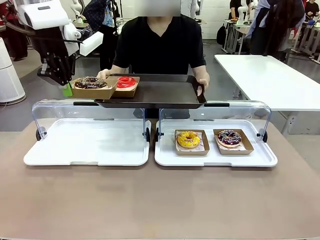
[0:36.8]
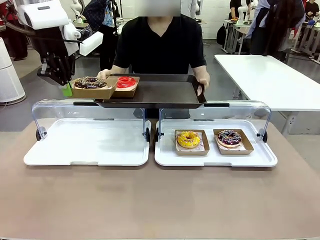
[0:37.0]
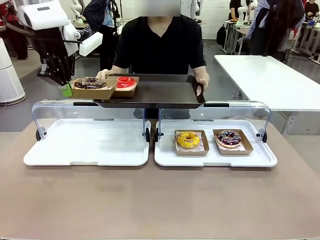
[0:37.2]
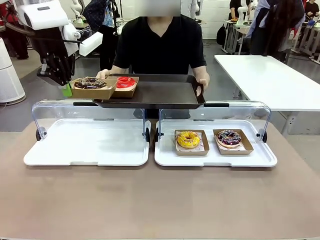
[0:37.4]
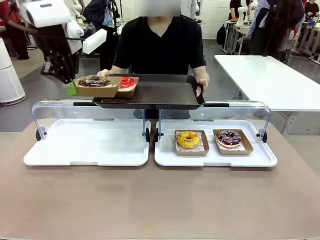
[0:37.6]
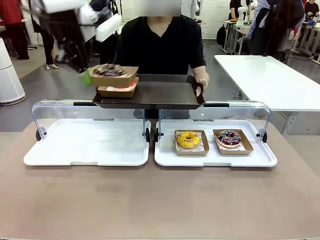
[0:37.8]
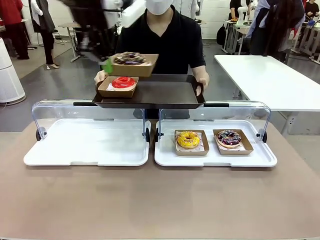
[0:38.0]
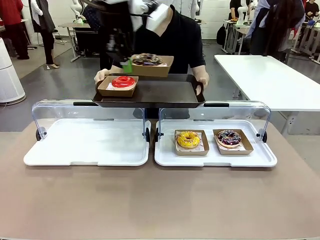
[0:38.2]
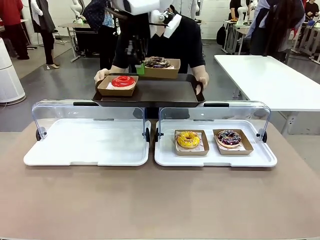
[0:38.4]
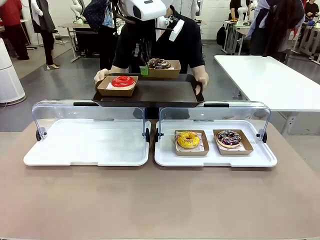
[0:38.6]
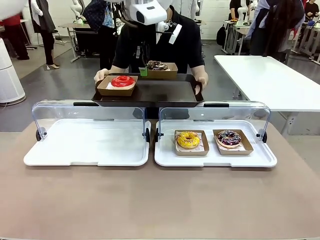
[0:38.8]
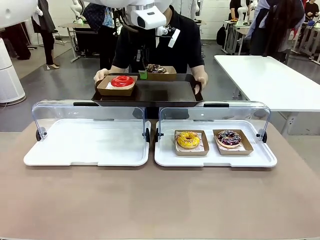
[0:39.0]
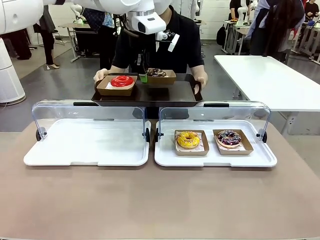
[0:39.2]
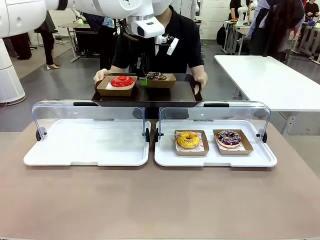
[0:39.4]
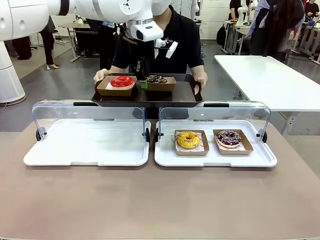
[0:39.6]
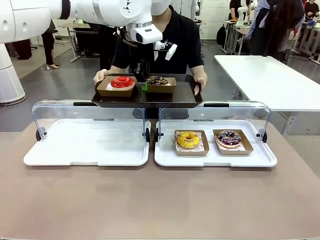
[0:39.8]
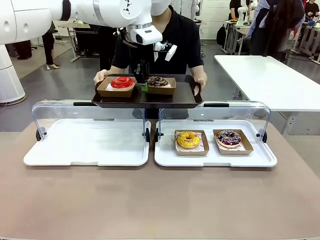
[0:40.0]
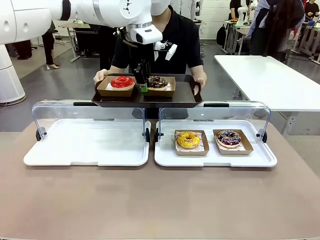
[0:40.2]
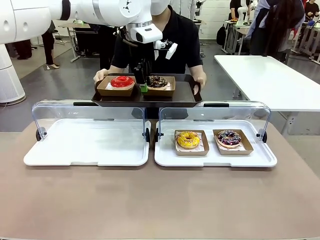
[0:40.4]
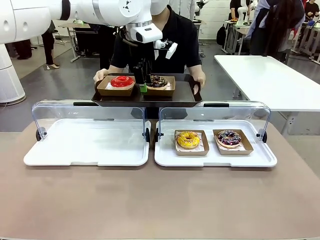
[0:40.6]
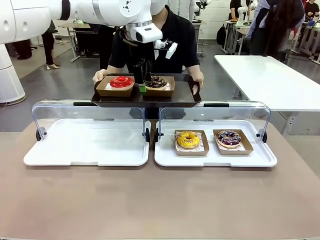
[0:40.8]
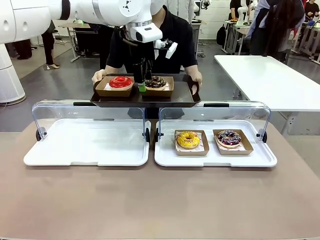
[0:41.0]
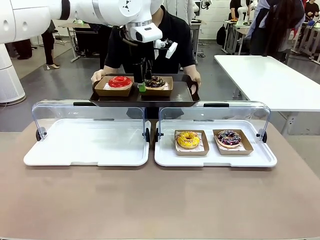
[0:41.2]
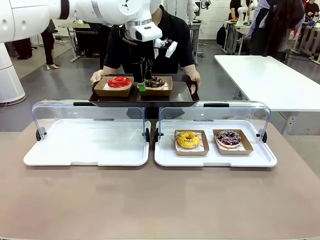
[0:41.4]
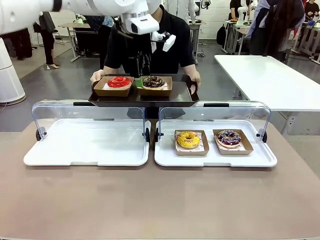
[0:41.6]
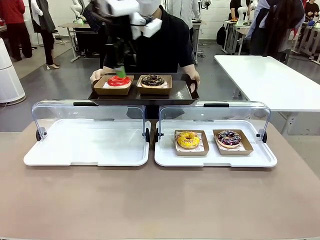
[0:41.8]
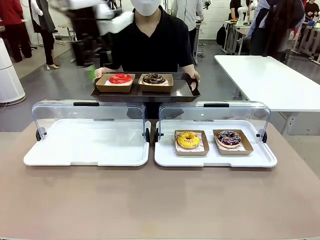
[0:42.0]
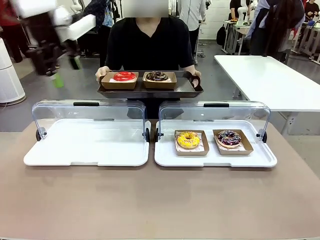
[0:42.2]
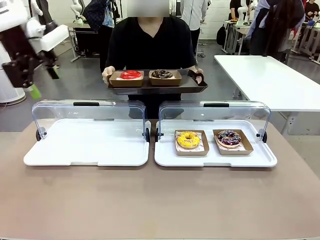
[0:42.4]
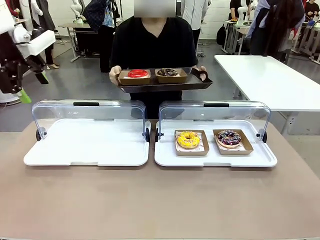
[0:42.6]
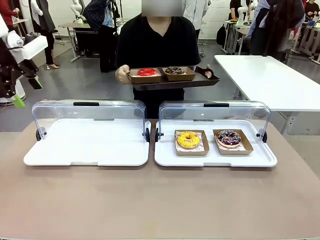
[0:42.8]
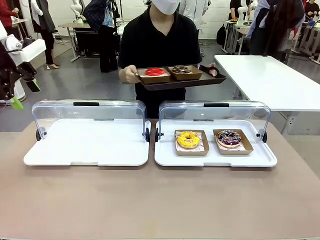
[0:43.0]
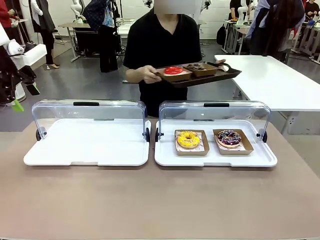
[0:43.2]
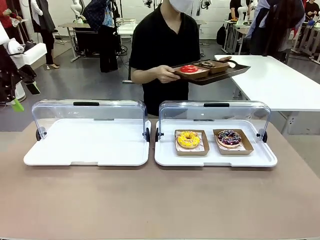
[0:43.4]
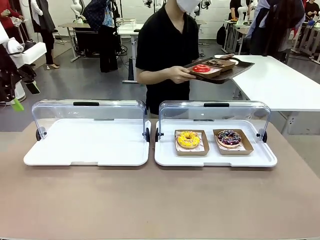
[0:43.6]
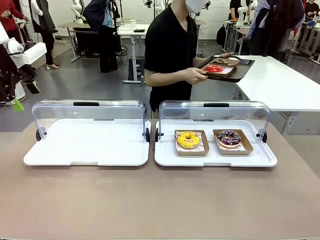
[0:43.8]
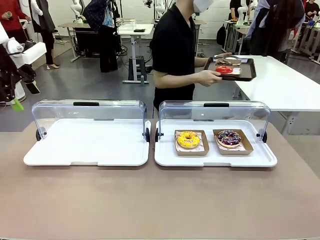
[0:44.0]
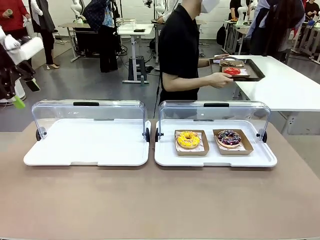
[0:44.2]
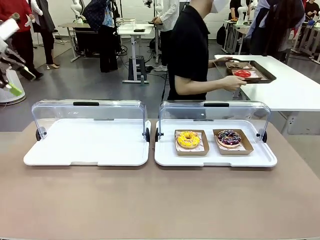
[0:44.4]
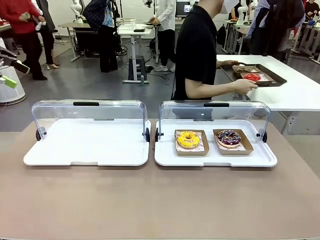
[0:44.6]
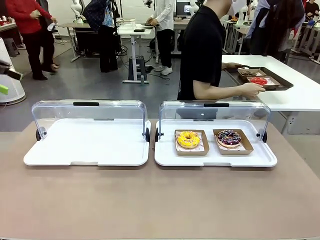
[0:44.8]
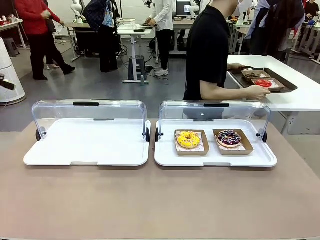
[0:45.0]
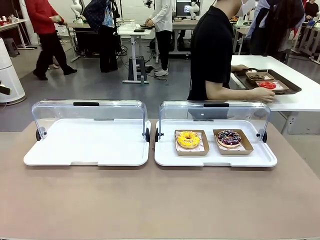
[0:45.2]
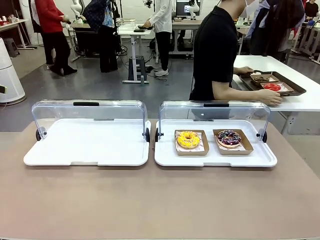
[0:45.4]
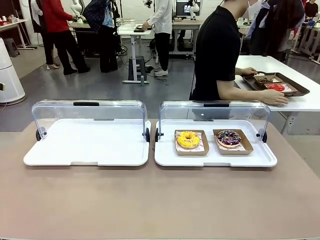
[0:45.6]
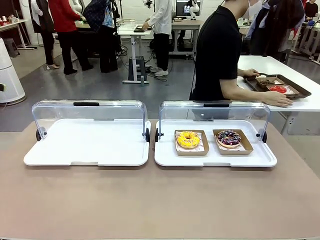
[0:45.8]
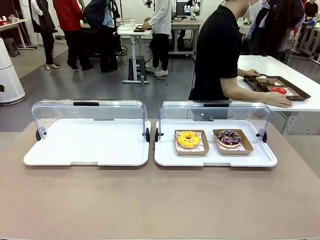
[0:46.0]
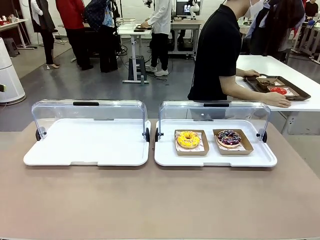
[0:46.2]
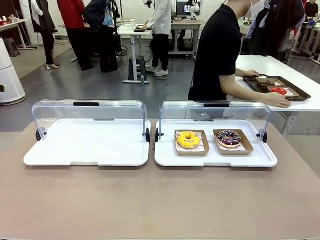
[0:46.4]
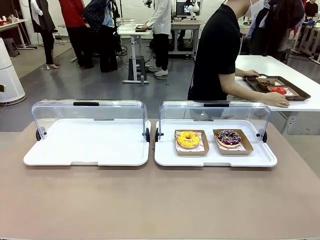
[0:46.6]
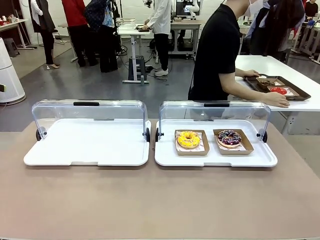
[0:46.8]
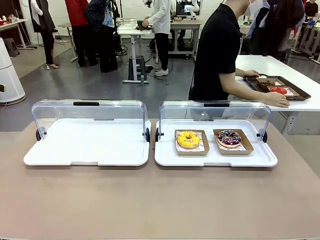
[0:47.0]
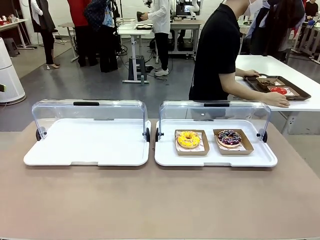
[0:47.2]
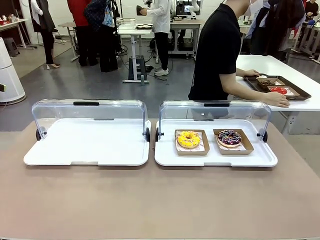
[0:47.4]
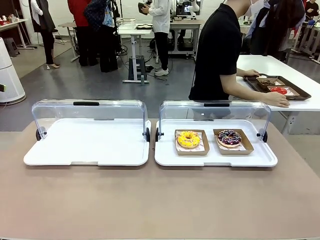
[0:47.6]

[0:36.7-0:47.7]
Task: Provide the desired donut to the person.
Robot: Place the picked Paper togo box onto the Handle tray extended by the person.
Person: Place the tray in the middle of the human table.

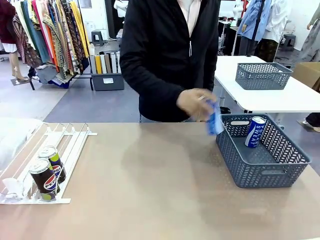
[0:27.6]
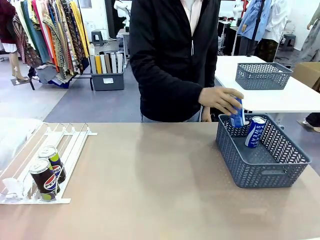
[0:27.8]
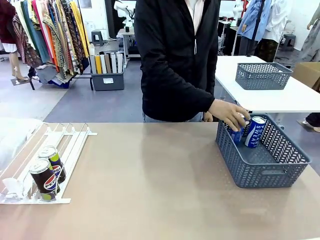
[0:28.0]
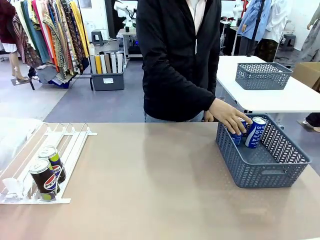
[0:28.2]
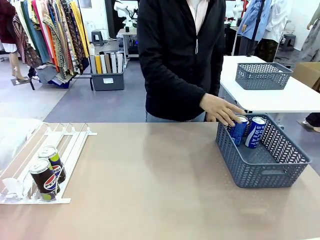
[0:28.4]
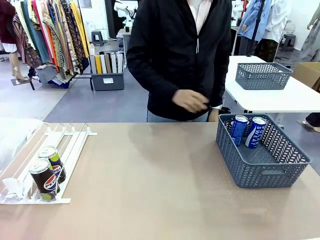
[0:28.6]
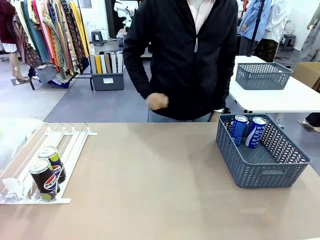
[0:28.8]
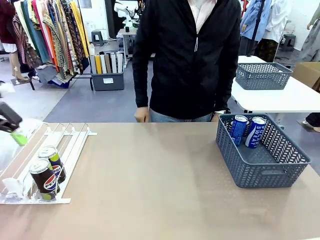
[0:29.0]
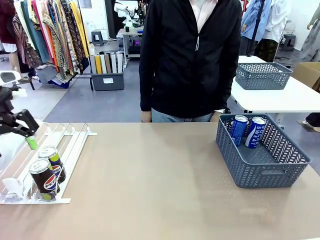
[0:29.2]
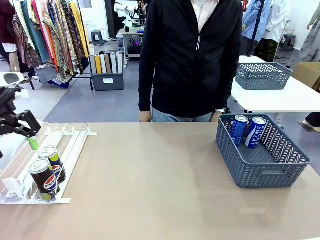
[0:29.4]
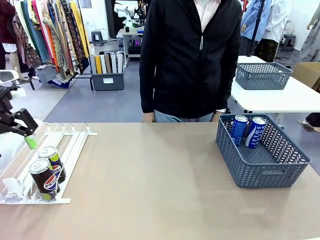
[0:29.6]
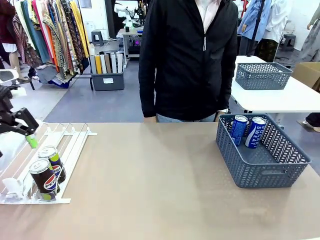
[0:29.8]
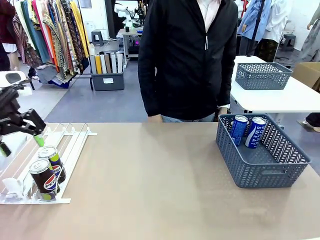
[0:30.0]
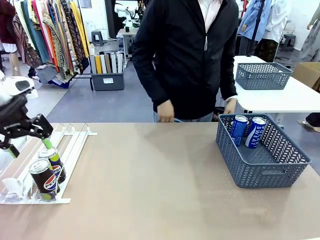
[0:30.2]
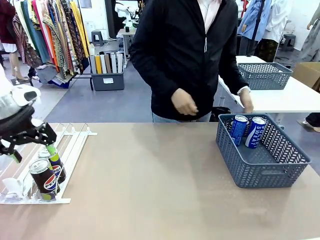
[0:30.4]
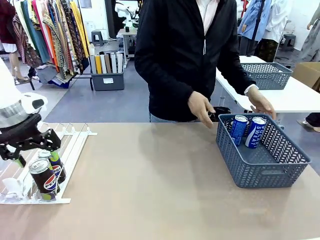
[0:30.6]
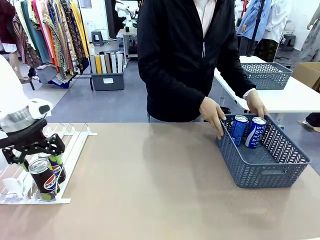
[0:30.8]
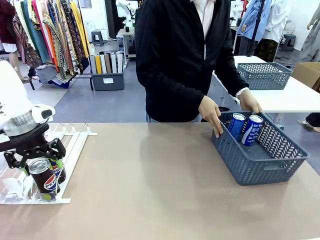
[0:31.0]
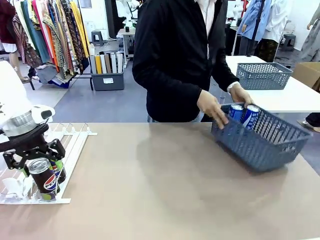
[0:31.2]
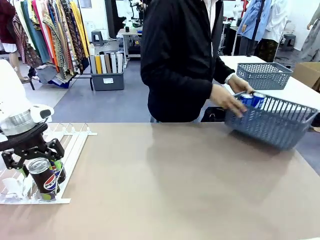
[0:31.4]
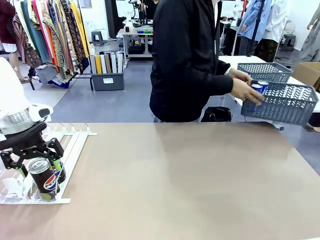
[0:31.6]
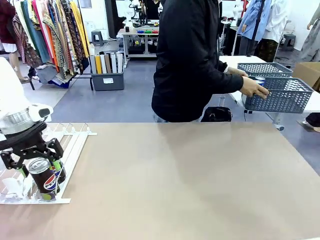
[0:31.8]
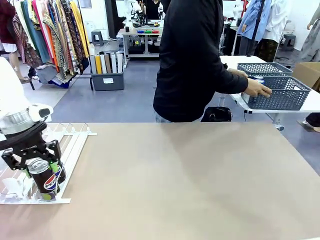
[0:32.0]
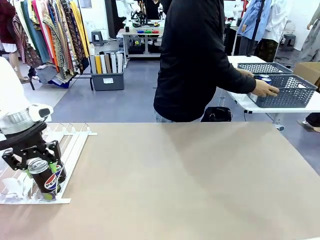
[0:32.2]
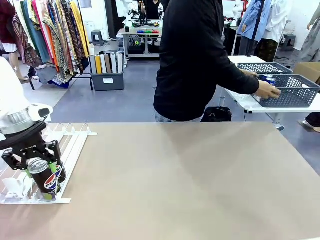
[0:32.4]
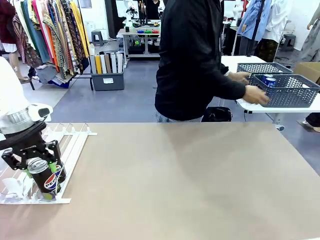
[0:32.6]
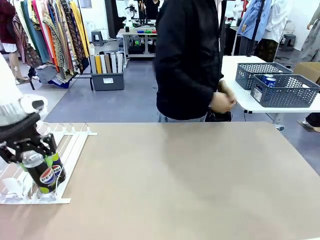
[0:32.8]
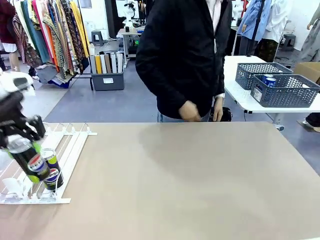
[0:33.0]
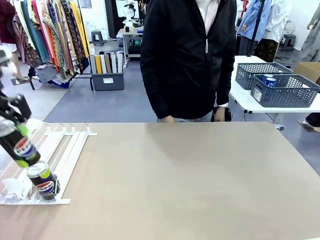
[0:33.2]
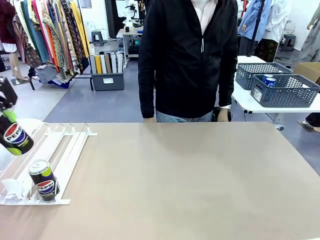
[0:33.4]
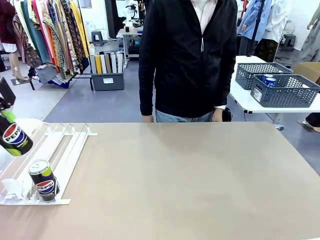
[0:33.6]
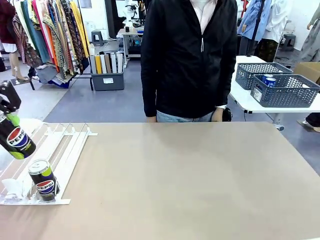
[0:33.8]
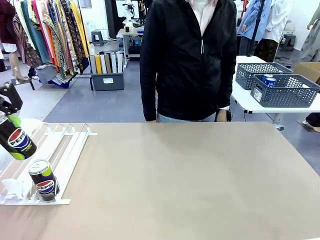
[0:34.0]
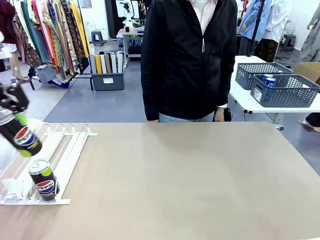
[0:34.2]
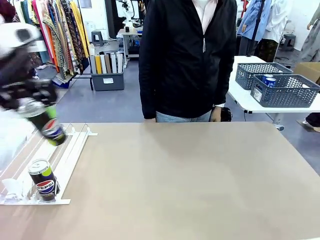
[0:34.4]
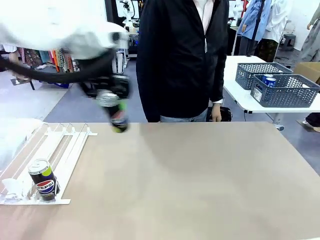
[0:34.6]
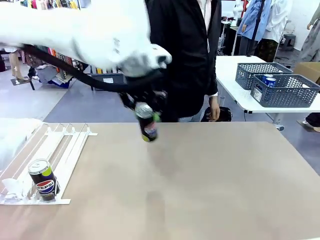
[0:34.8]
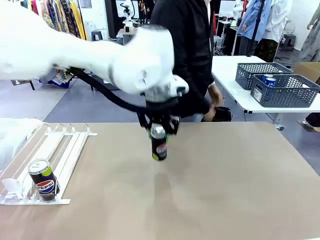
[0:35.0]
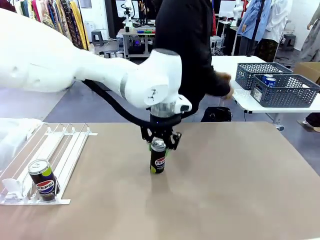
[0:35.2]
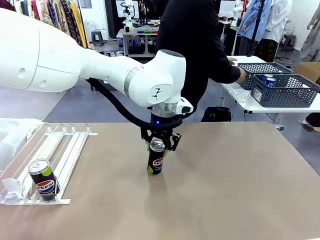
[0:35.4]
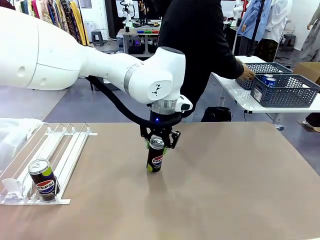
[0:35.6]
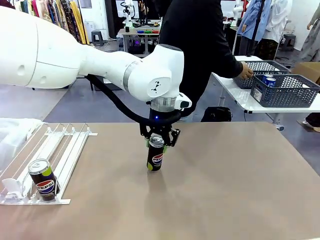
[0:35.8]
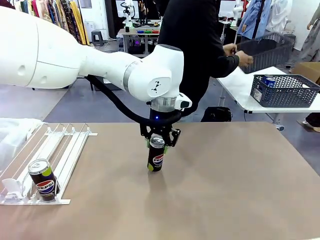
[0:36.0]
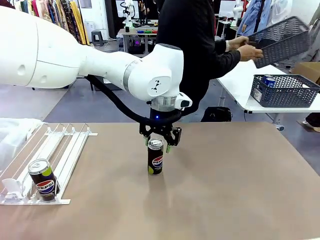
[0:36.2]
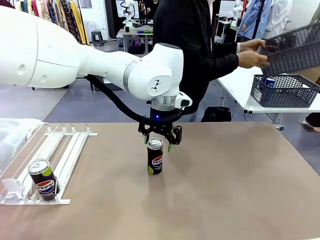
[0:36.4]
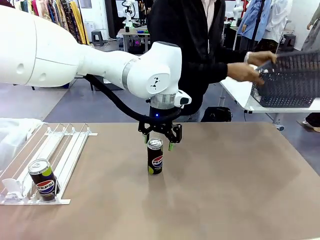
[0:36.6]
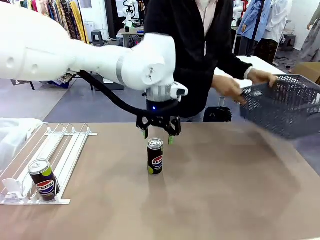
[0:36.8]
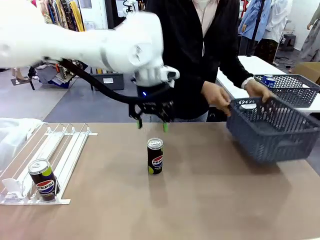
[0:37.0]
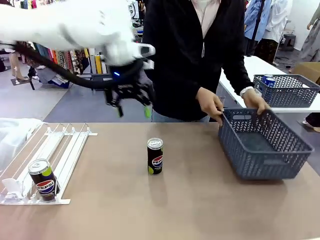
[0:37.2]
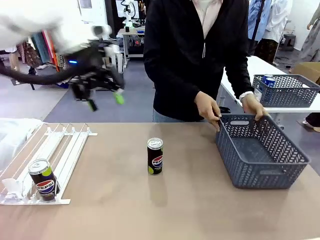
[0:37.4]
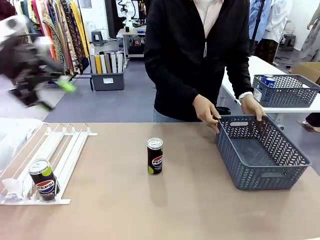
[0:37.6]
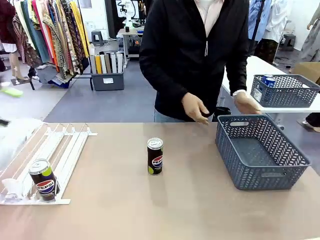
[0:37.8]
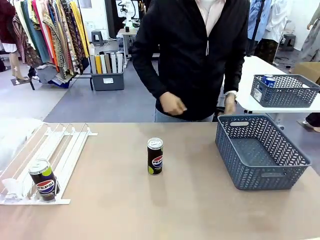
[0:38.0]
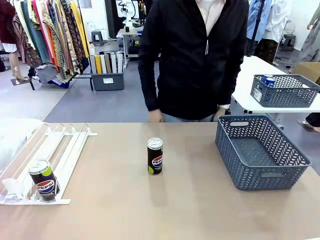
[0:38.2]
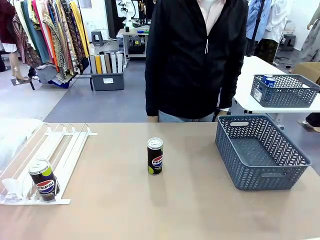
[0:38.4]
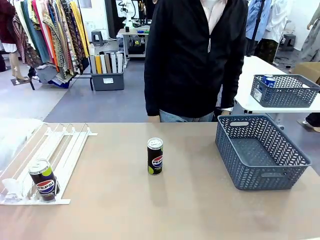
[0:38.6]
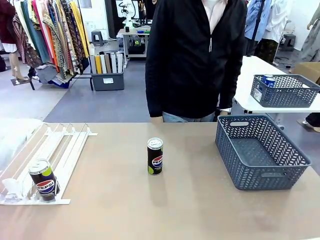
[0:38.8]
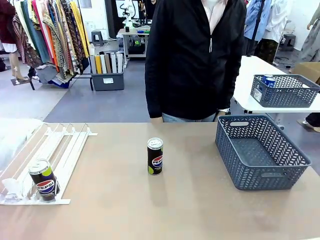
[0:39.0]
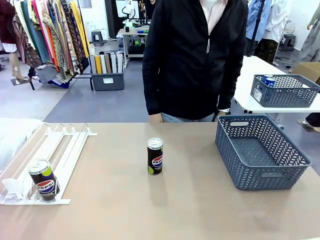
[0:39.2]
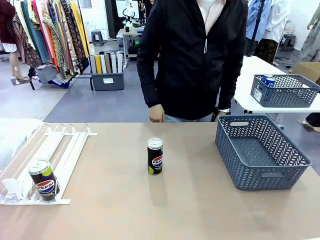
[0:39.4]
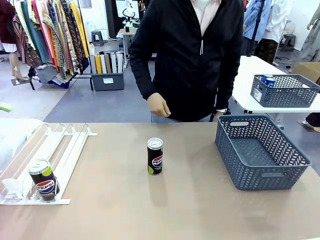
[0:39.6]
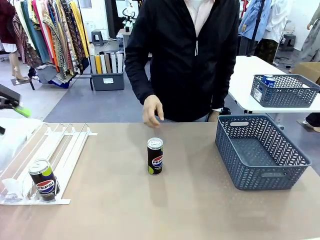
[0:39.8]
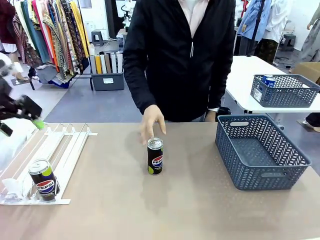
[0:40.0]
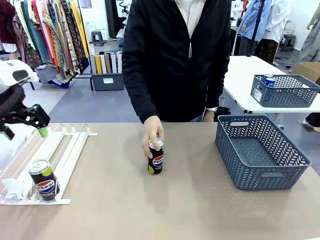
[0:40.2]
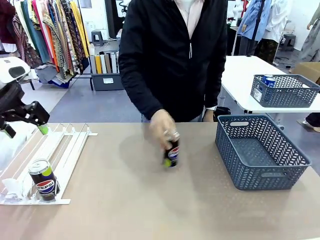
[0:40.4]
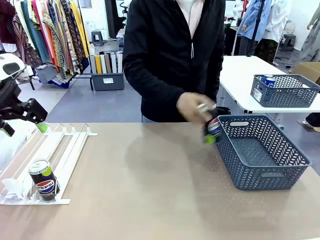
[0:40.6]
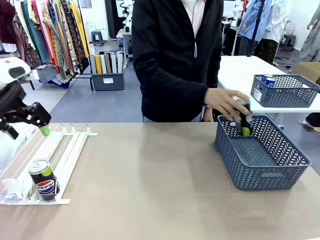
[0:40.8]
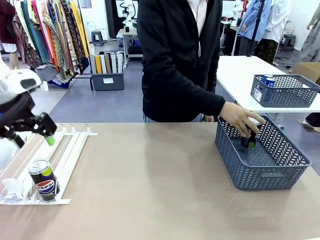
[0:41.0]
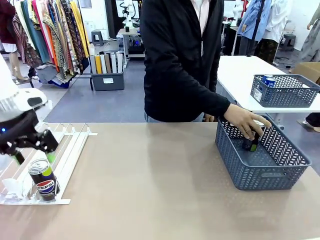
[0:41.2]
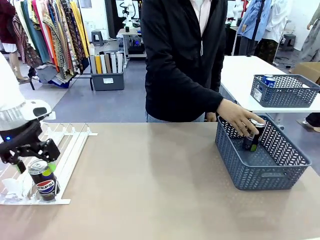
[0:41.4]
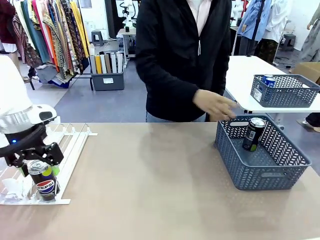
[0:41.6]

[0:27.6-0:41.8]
Task: Retrieve and store the cans from the dispenser.
Robot: Pick up one can from the Automatic Can Dispenser and place it in the middle of the table.
Person: Pick up the basket and place it in the middle of the human table. Pick up the empty basket and place it on the left side of the robot table.
